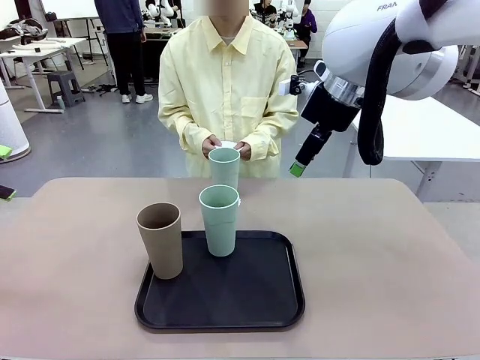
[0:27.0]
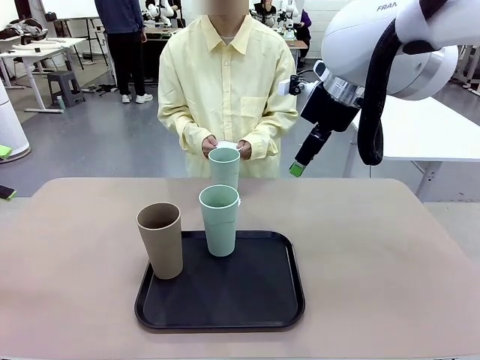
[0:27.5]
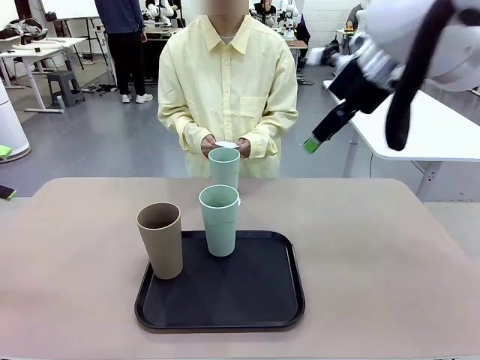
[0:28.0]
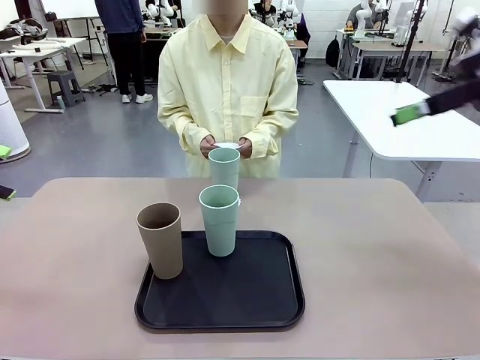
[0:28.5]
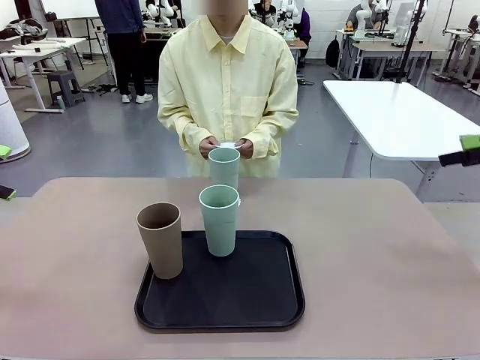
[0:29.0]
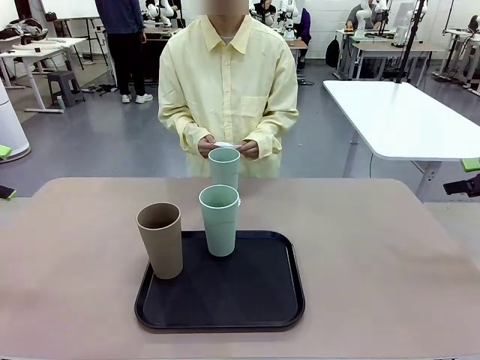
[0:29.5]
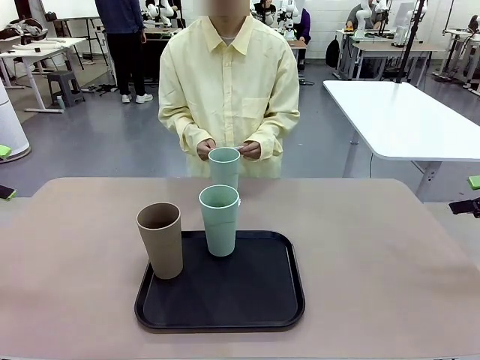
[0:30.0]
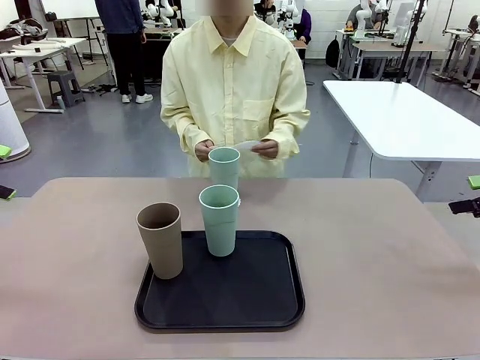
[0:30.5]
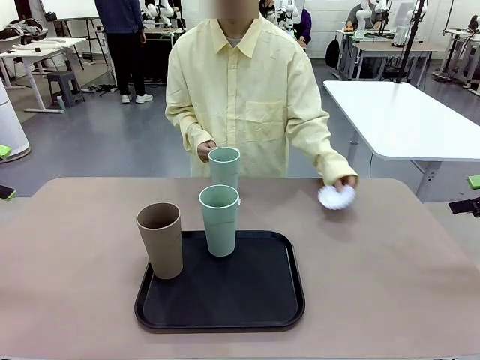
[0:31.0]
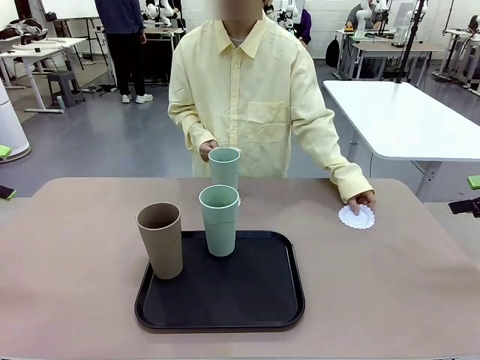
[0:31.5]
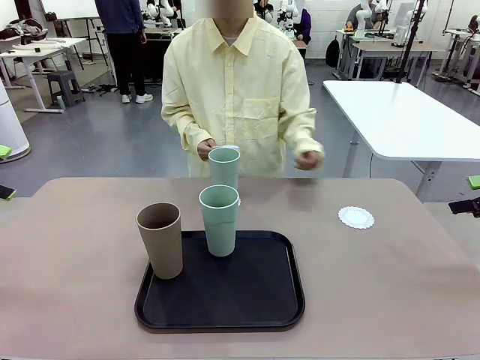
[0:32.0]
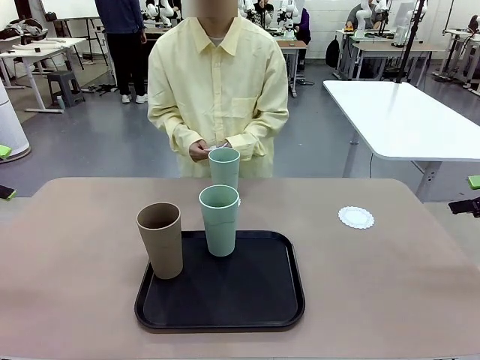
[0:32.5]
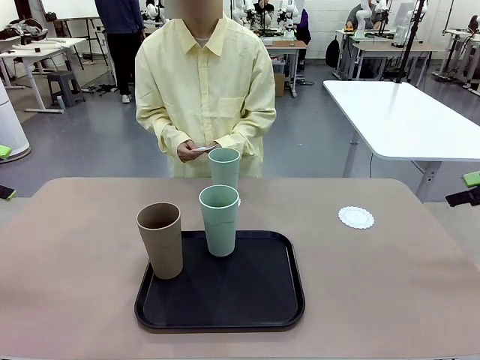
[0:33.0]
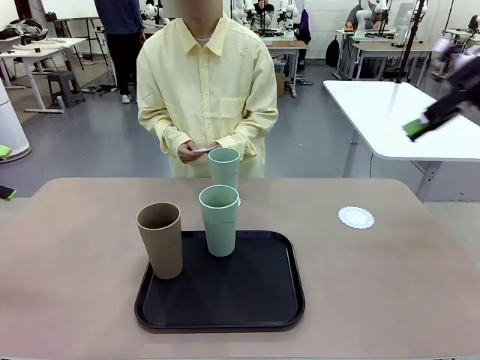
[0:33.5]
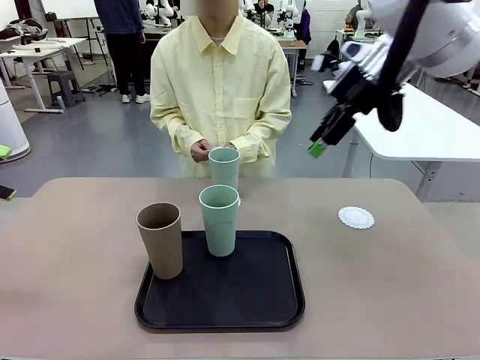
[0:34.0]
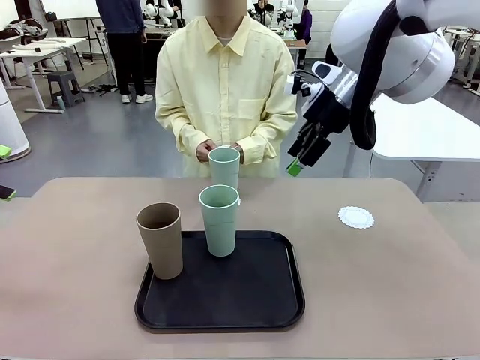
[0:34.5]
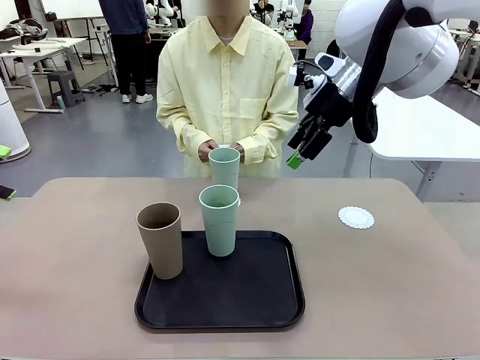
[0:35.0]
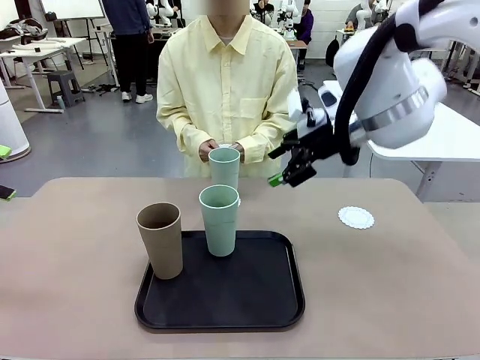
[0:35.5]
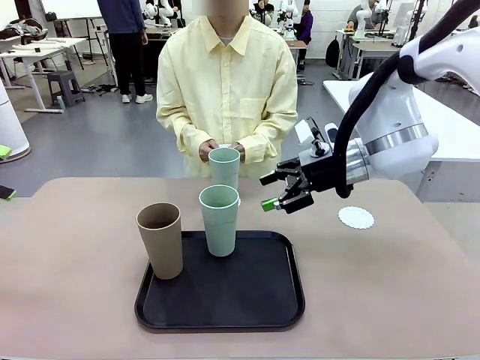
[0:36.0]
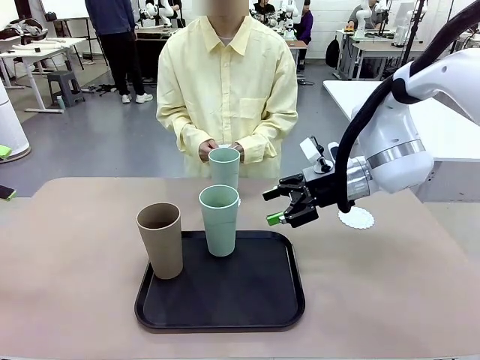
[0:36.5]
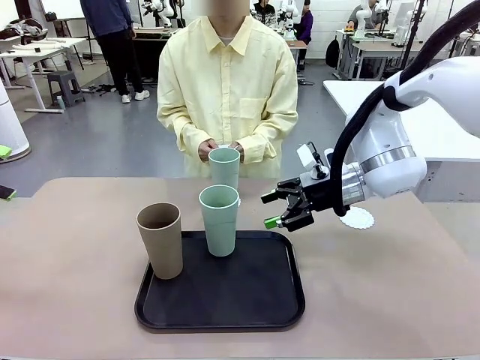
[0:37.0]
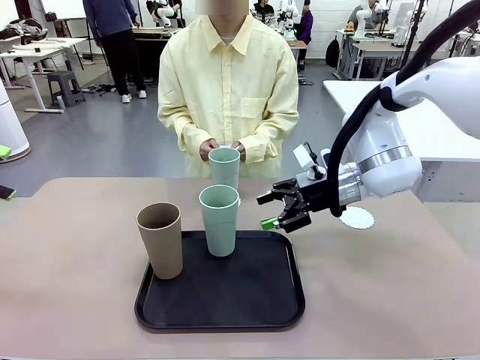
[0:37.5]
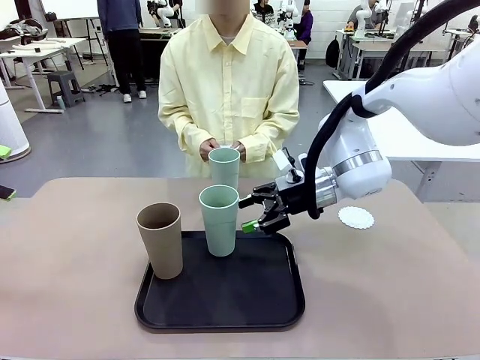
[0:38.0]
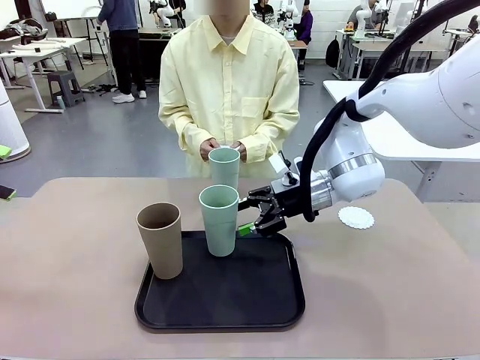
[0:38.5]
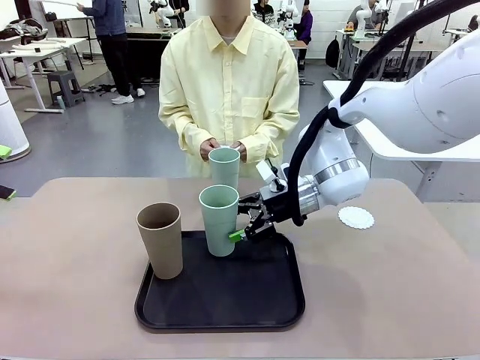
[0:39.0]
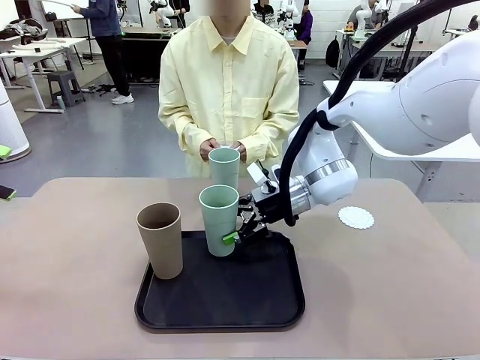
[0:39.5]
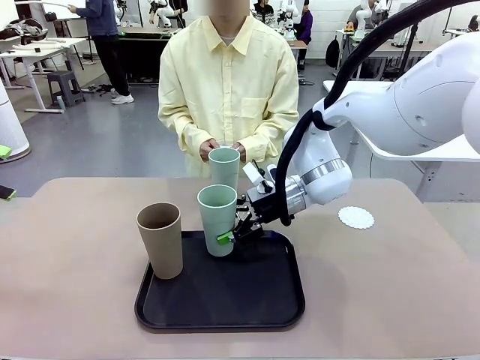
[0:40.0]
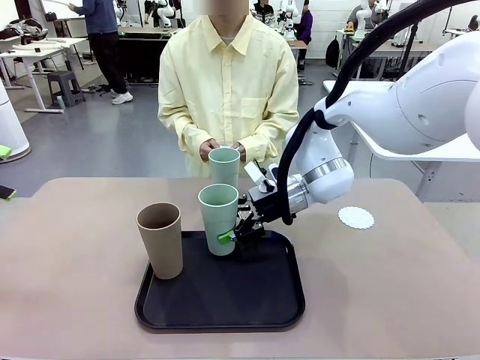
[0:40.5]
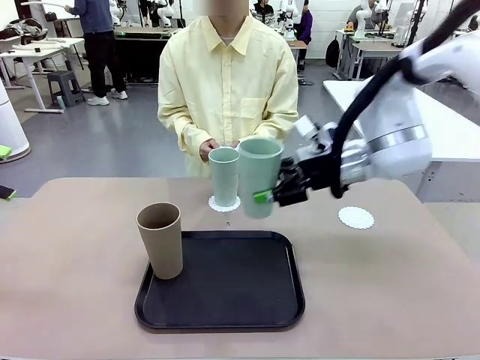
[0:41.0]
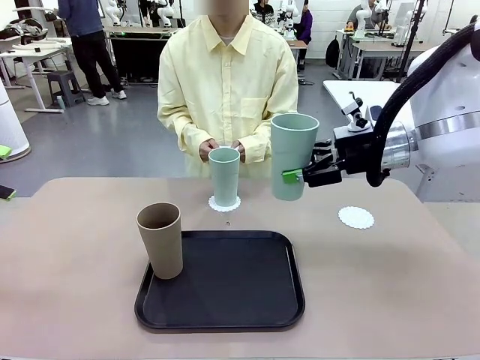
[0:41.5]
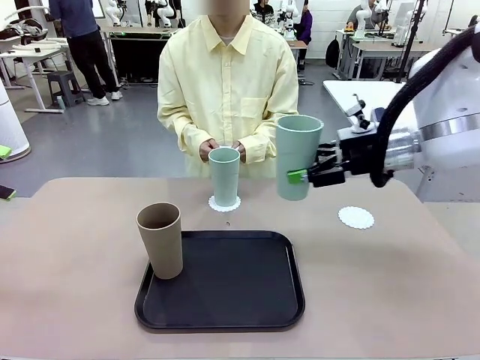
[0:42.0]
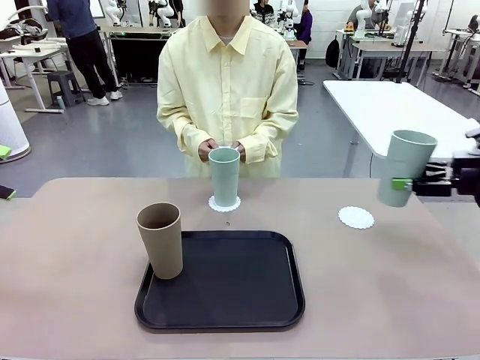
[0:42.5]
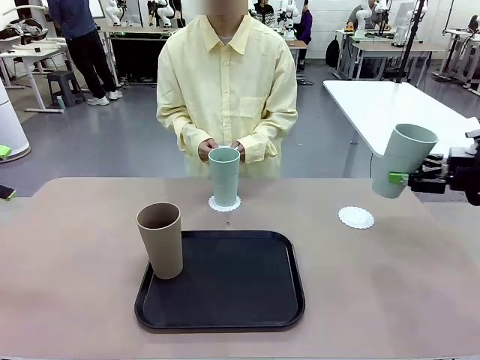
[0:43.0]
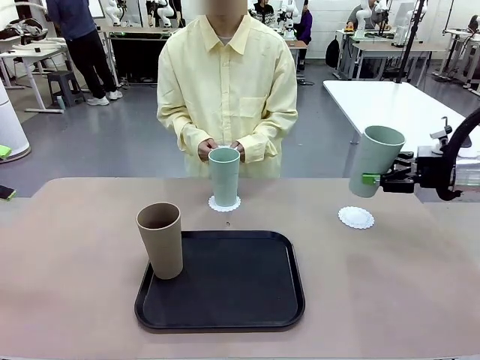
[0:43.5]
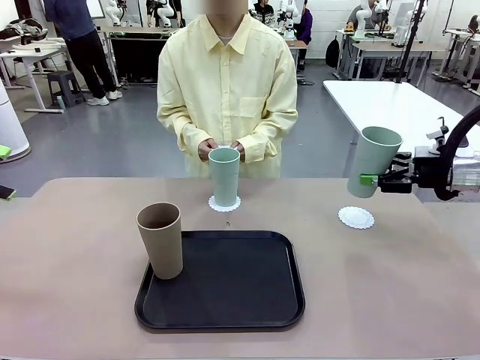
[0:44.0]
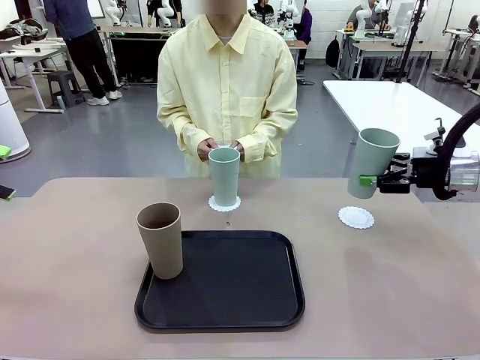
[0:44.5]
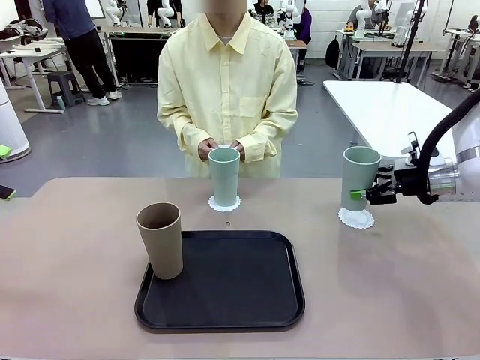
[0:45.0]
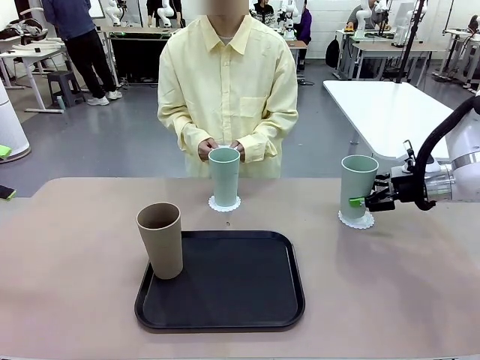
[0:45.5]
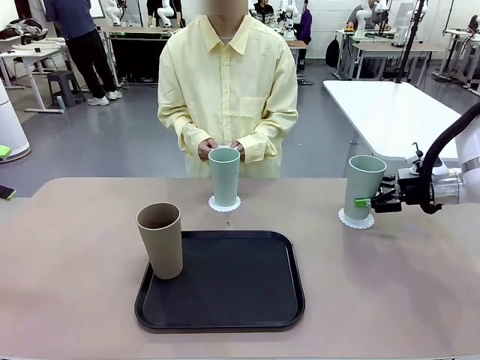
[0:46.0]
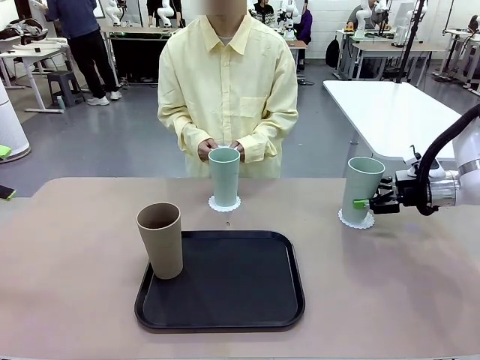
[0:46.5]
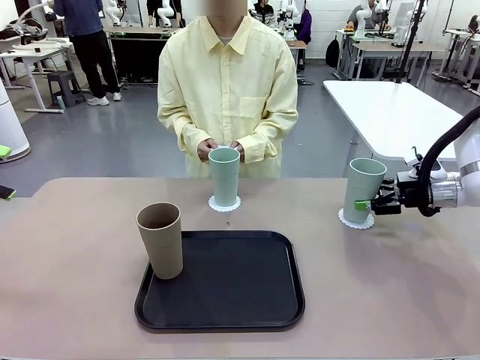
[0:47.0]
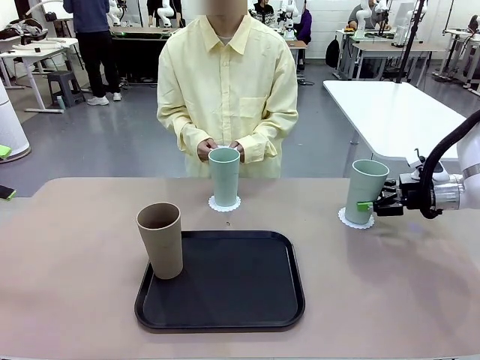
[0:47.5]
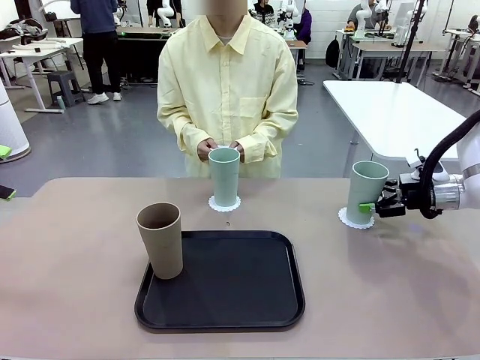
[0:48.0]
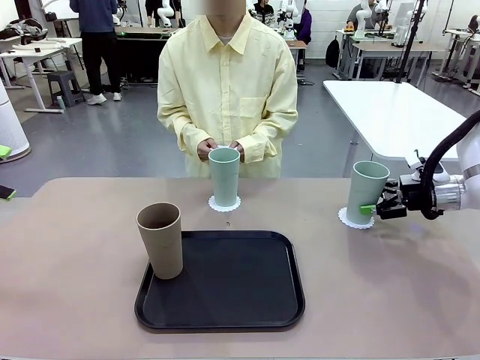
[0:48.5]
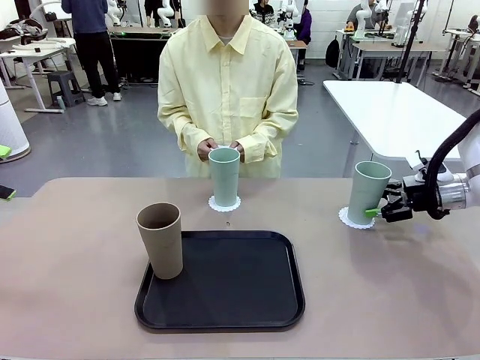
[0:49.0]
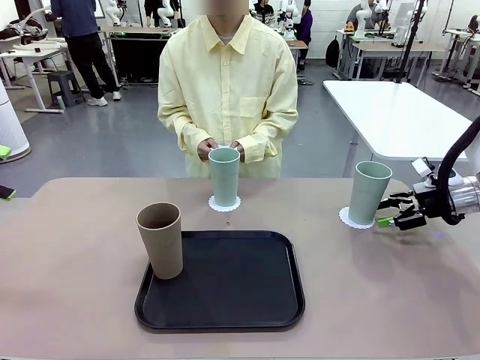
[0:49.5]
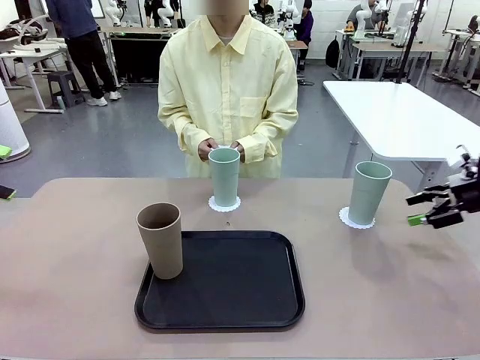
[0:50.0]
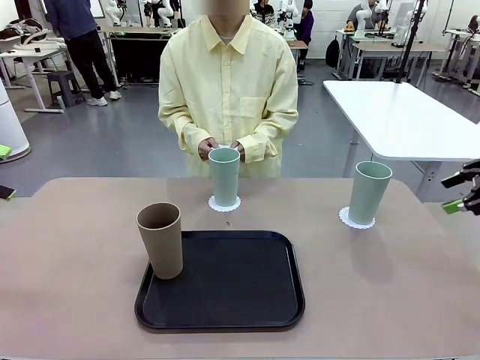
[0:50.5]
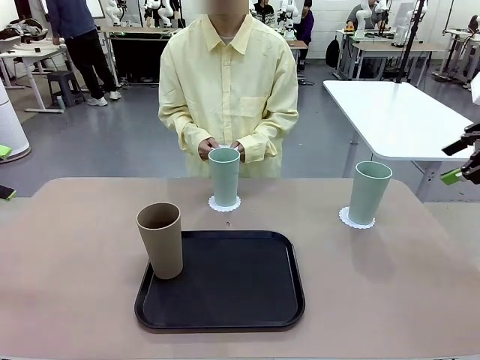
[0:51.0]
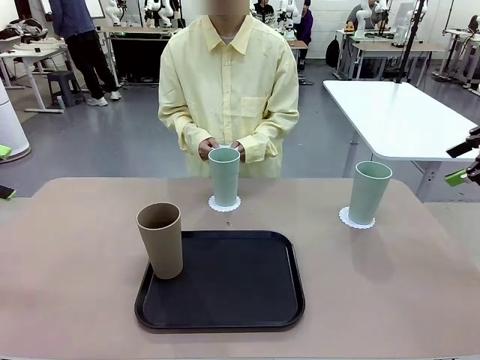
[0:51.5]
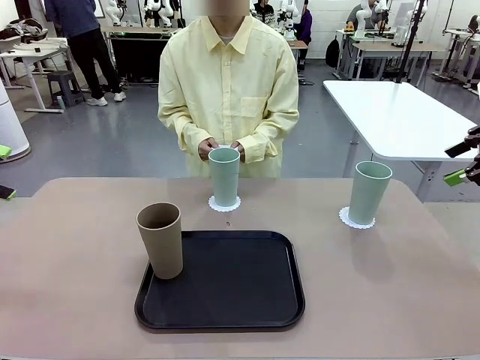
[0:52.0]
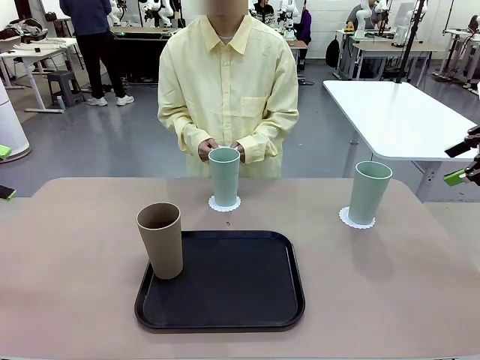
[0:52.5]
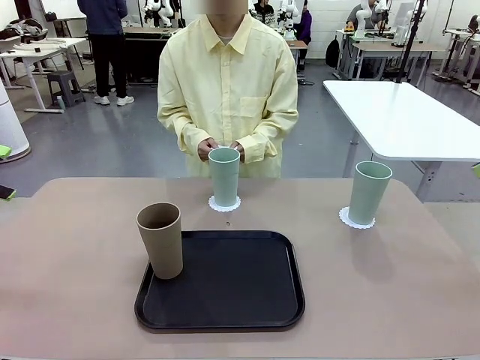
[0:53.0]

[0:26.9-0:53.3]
Task: Place coasters on the table and set cups on them.
Robot: Take one Reusable plastic cup from the Flat Tray and place it on a coaster set by the human.
